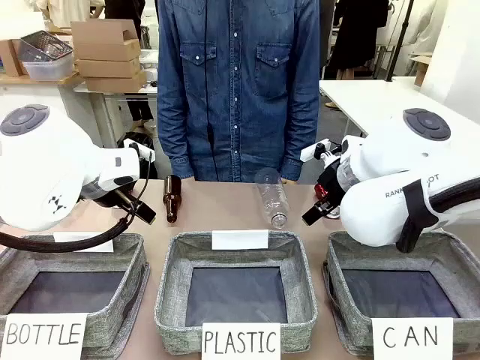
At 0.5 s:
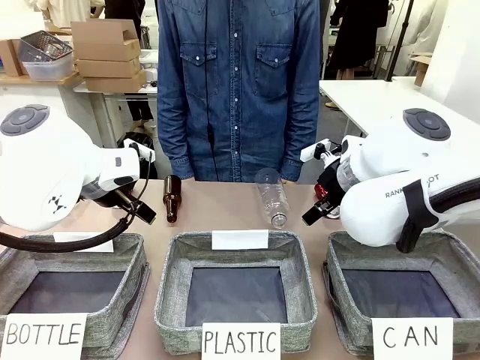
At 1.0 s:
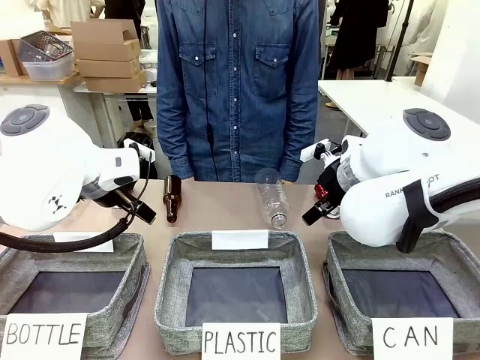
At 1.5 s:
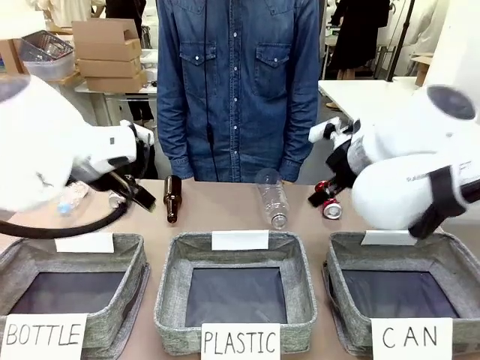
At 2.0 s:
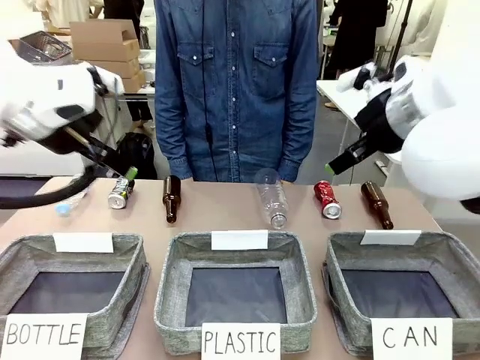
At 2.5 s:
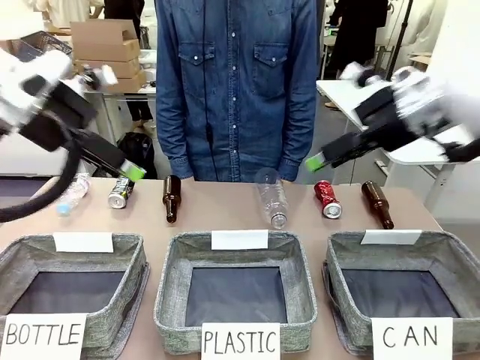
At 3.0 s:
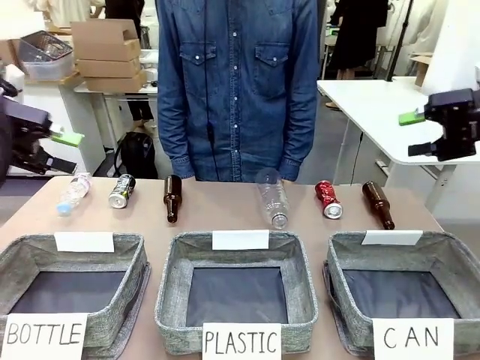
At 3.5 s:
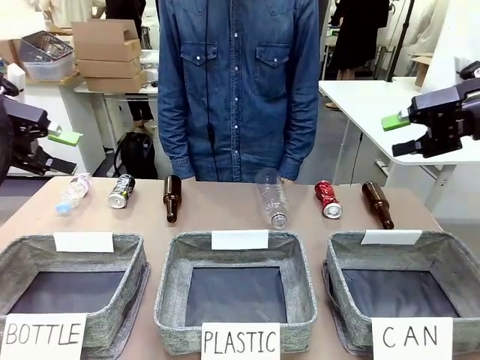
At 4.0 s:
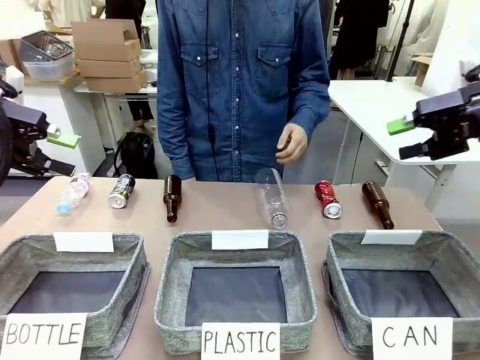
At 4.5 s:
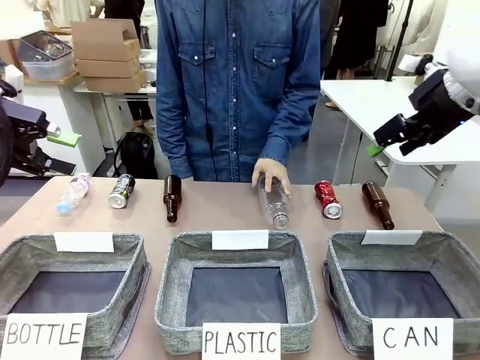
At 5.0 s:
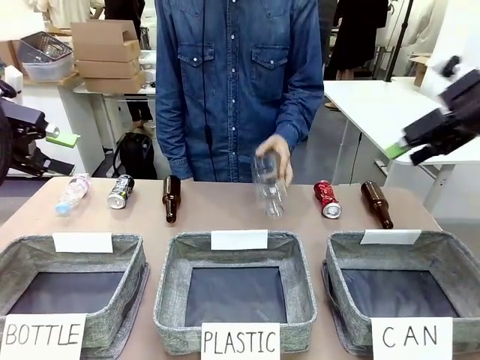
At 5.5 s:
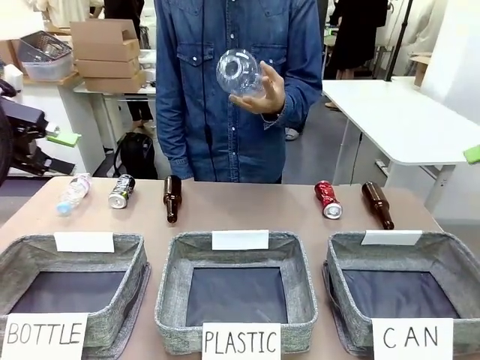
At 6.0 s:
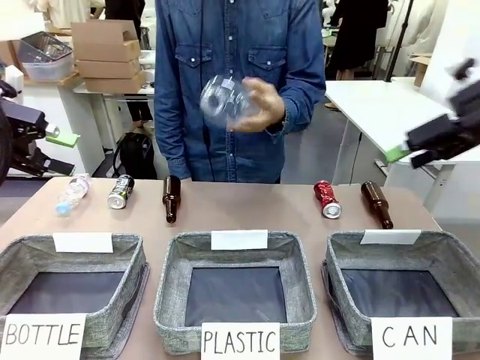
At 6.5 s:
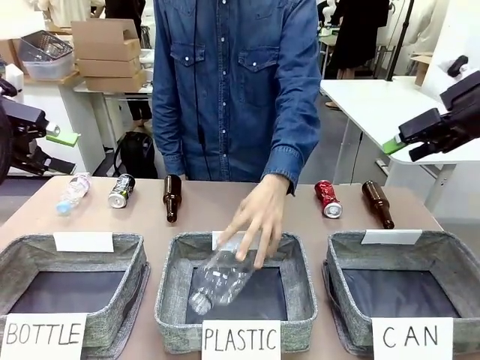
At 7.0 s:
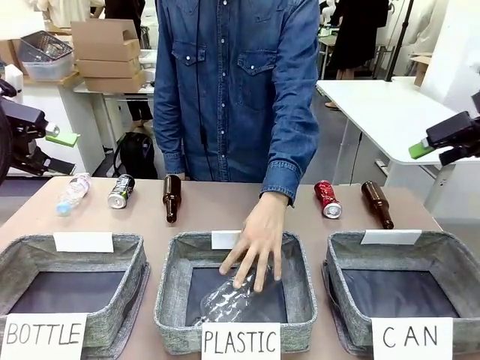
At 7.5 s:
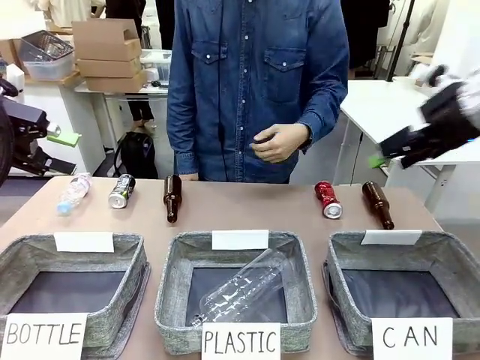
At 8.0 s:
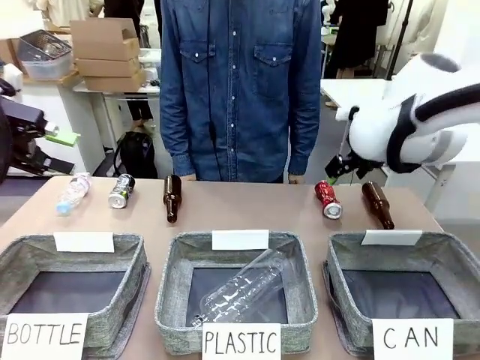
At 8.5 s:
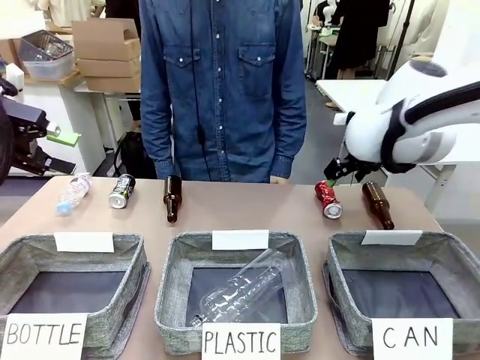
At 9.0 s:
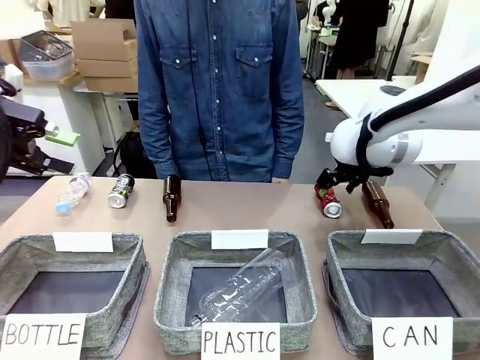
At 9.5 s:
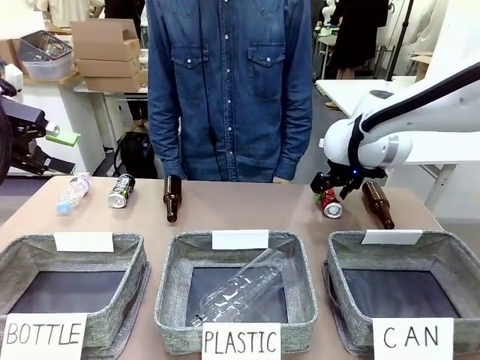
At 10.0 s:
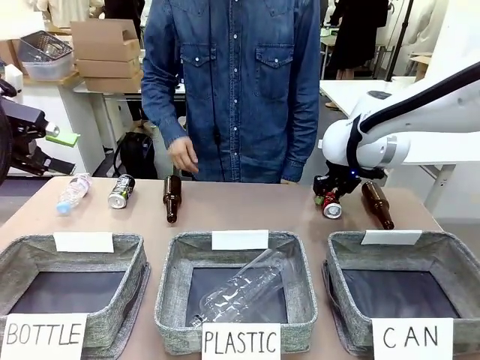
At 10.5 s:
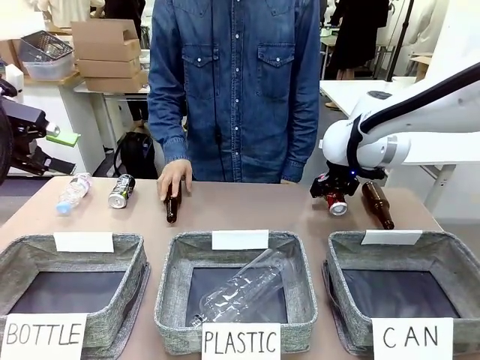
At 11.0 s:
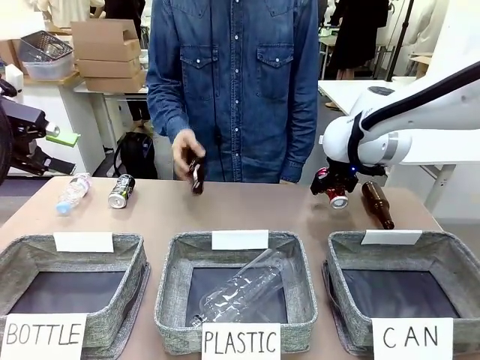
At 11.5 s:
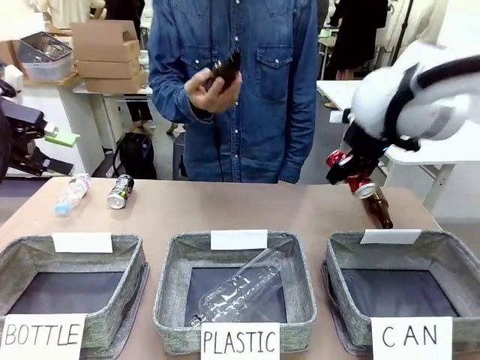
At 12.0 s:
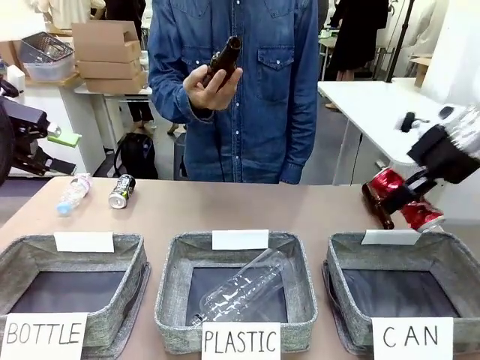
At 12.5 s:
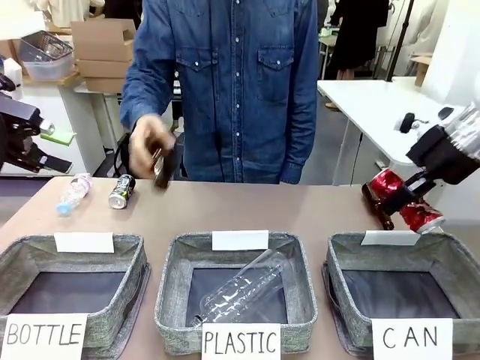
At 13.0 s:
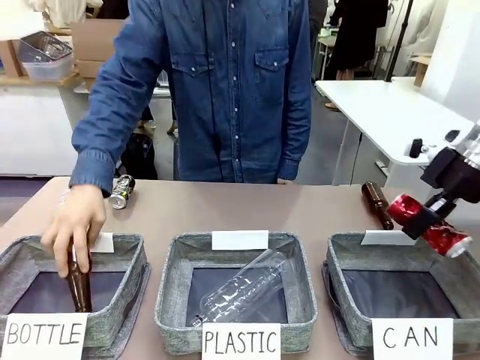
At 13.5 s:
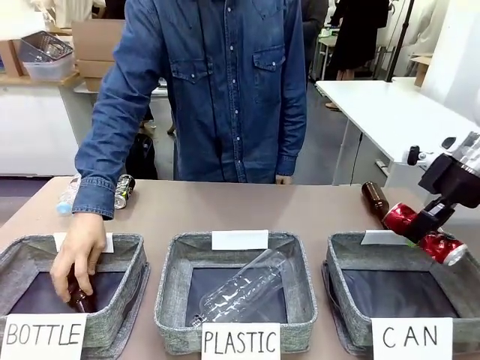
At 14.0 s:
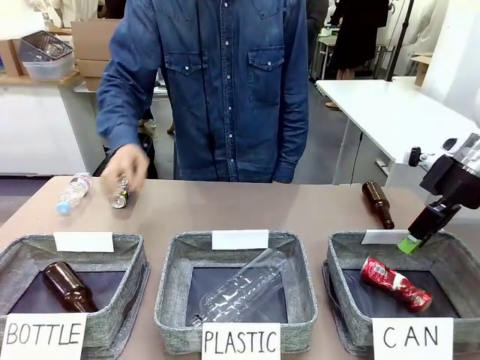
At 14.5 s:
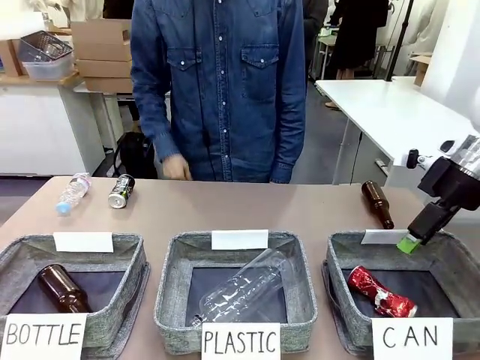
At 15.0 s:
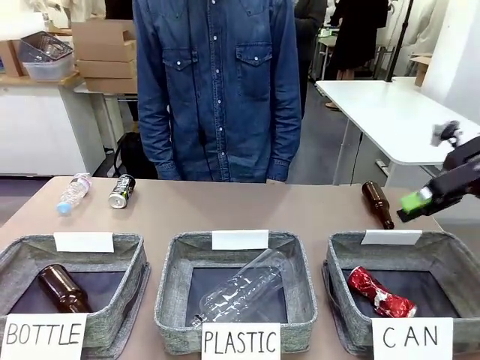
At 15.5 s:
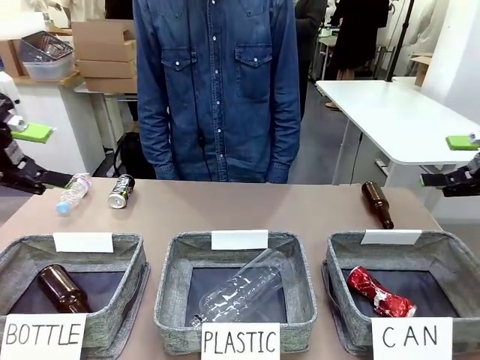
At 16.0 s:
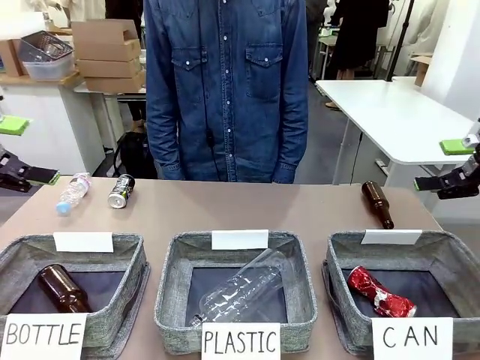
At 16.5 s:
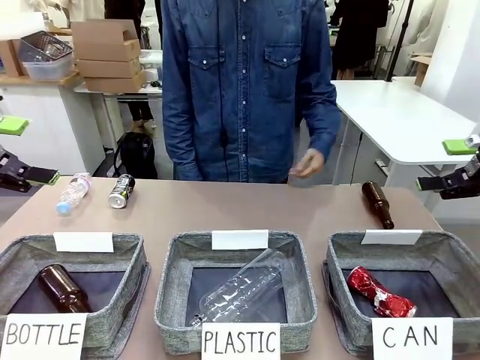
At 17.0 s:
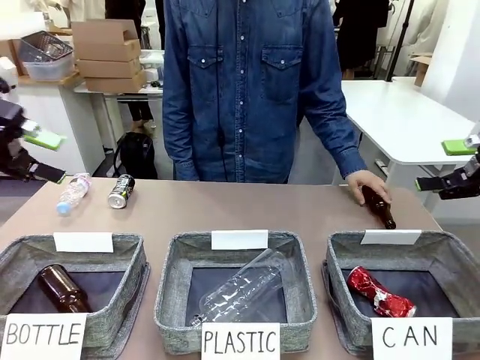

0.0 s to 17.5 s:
Task: Sort the can waste into the basket.
Robot: Pick up the can waste from the table and place it in the right Fabric basket.
